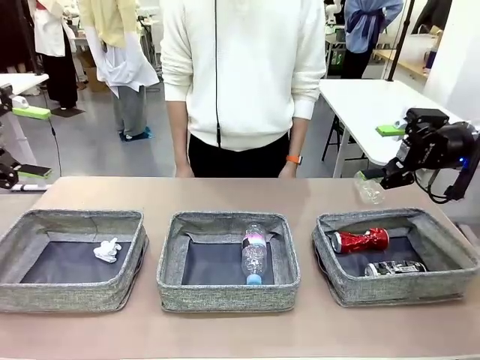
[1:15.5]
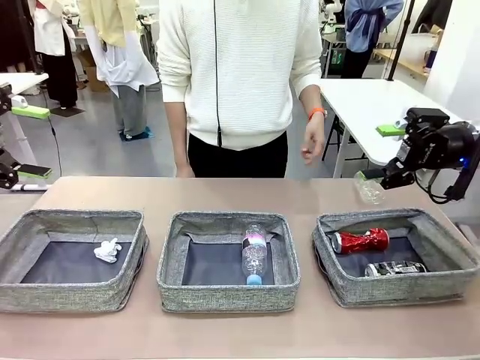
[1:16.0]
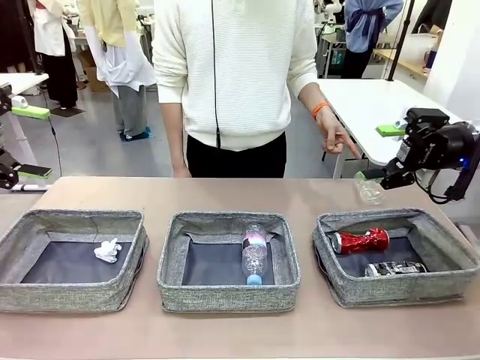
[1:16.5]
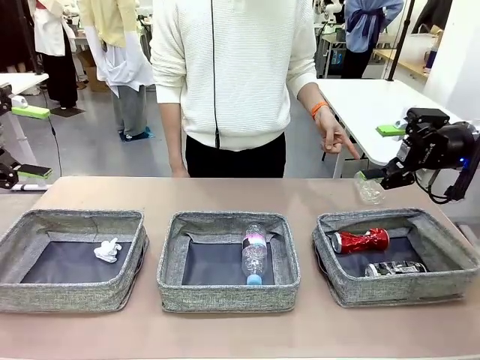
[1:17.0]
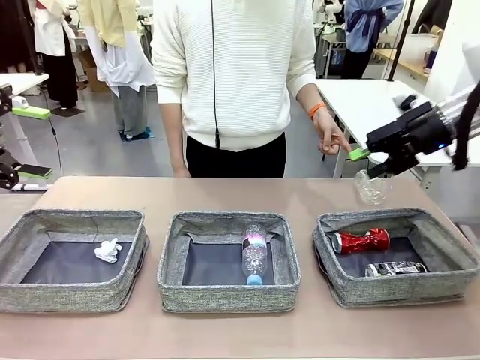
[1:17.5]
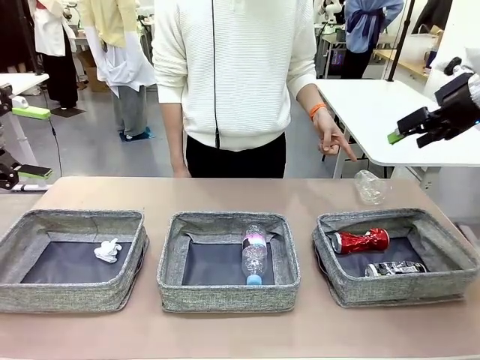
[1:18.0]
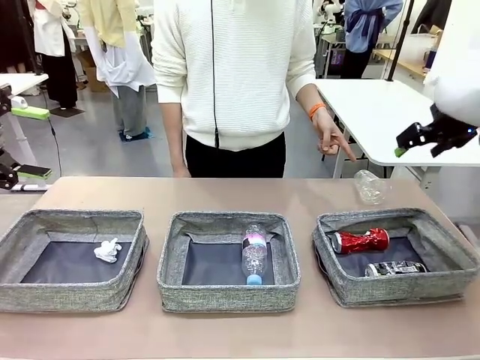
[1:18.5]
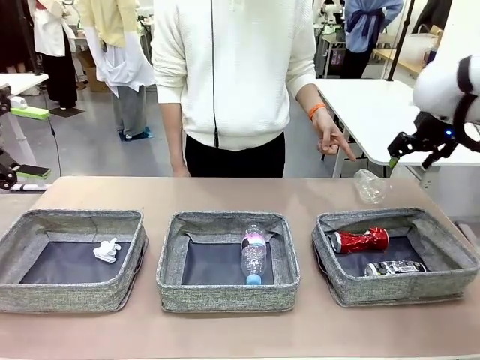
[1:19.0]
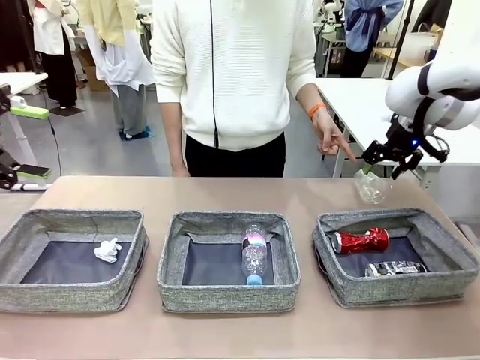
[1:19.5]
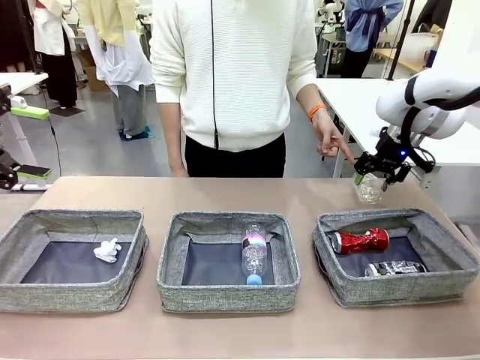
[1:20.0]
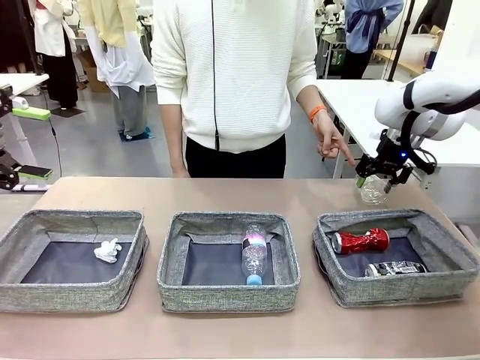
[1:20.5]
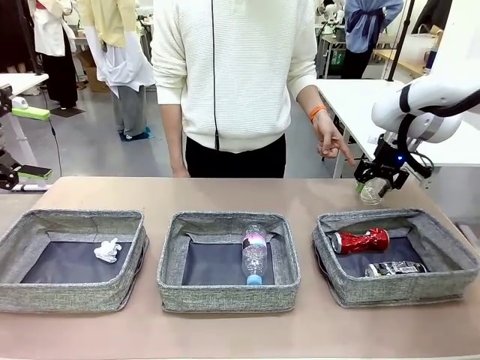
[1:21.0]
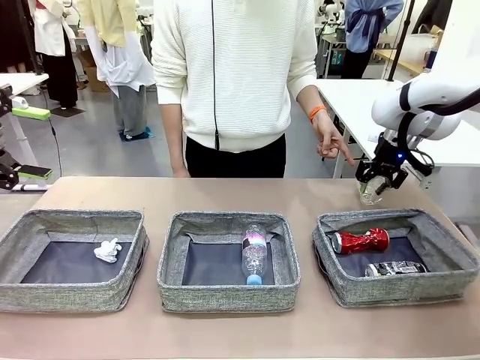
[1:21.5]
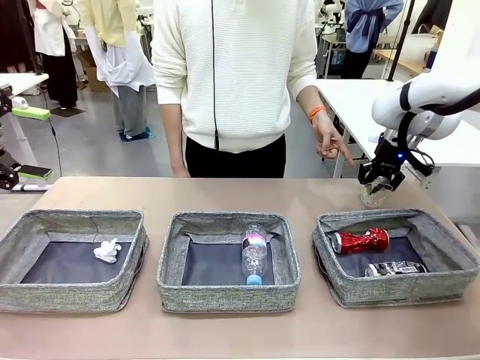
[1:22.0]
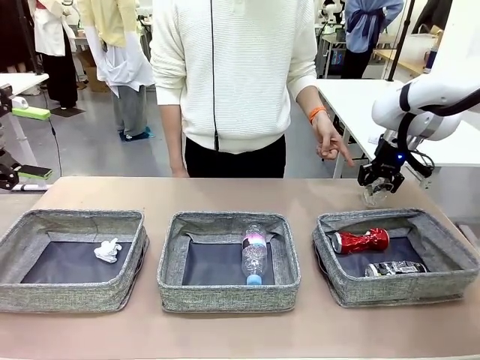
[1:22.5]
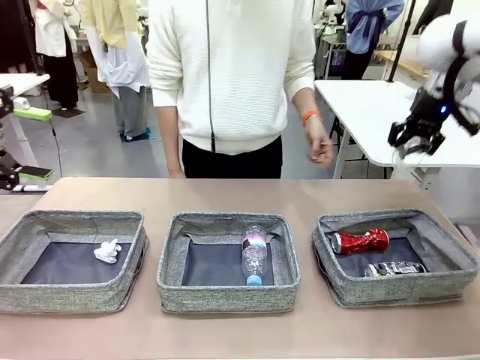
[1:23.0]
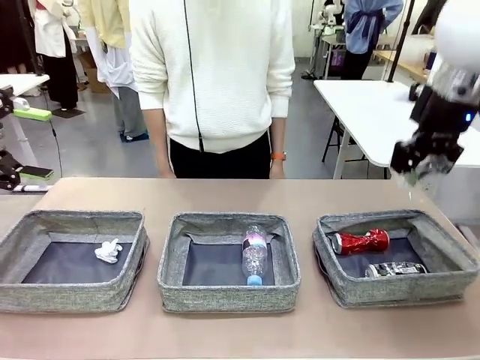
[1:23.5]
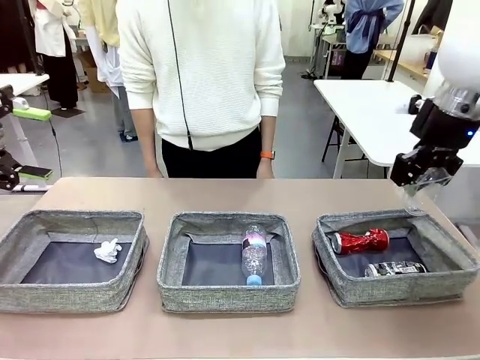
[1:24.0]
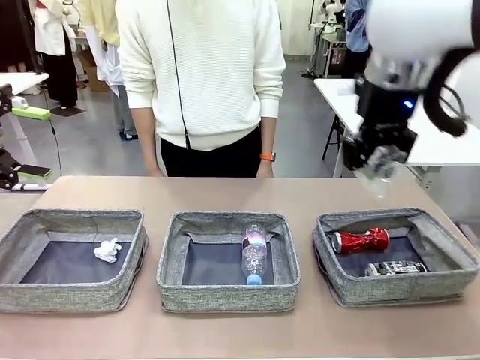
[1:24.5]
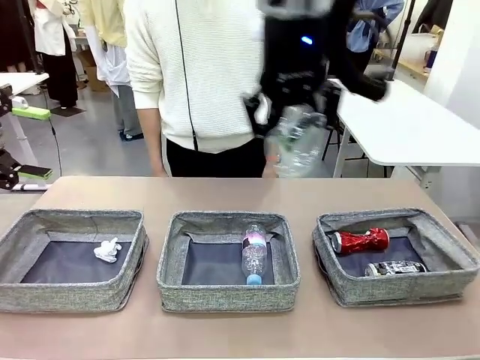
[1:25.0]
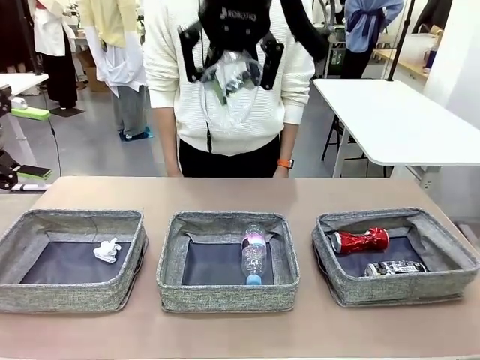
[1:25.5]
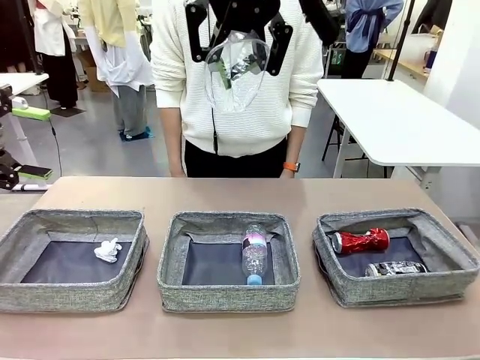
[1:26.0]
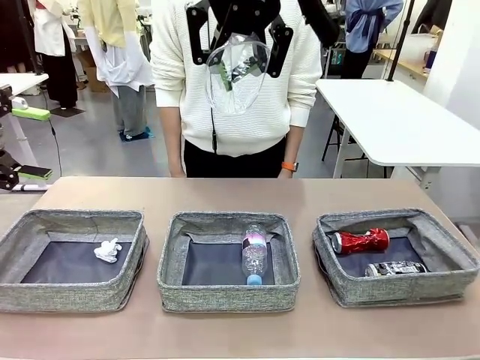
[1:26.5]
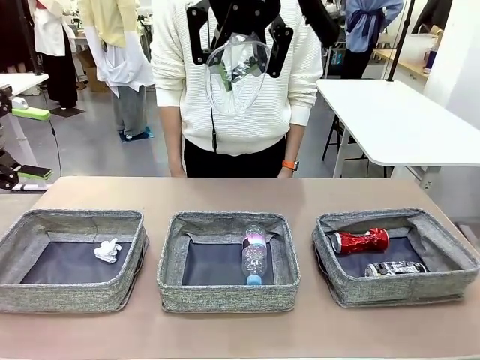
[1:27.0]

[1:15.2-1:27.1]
Task: Sort the waste into the appropriate baskets.
Robot: Pick up the waste item pointed out by the person.
Person: Points to one piece of trash on the table.

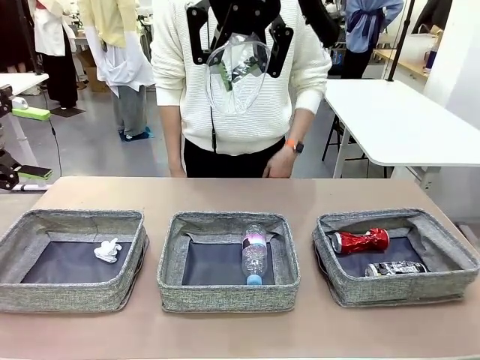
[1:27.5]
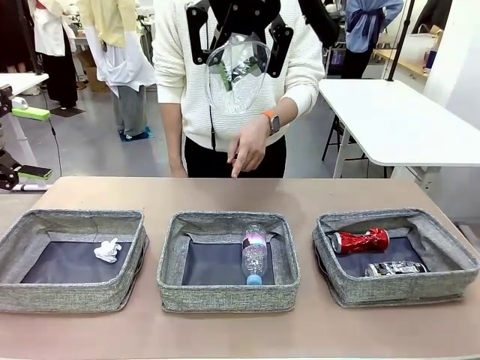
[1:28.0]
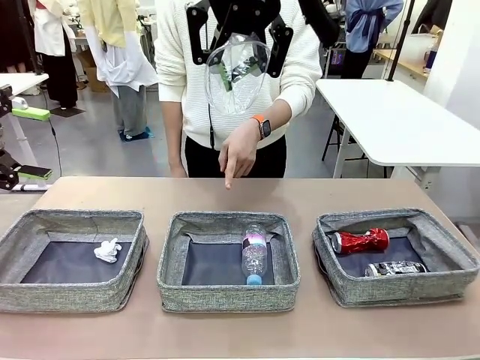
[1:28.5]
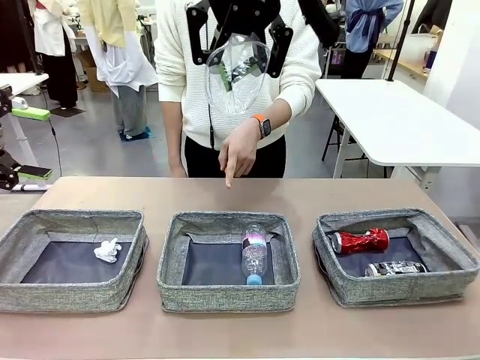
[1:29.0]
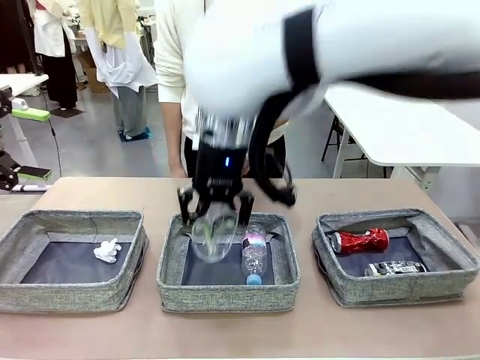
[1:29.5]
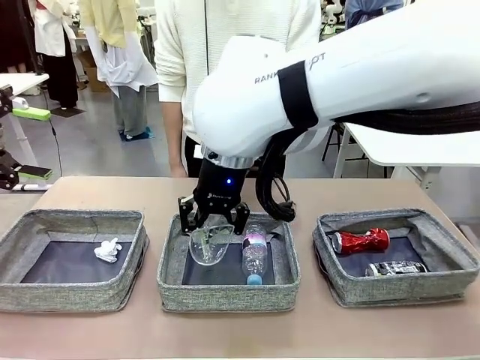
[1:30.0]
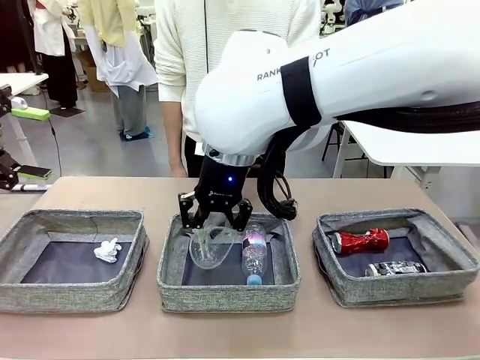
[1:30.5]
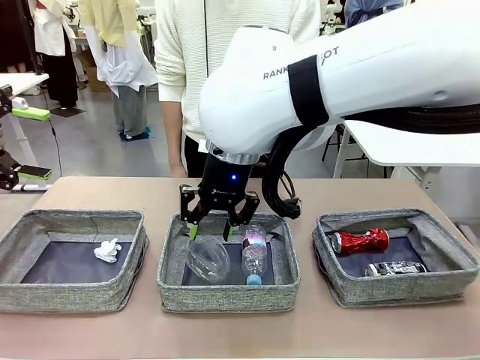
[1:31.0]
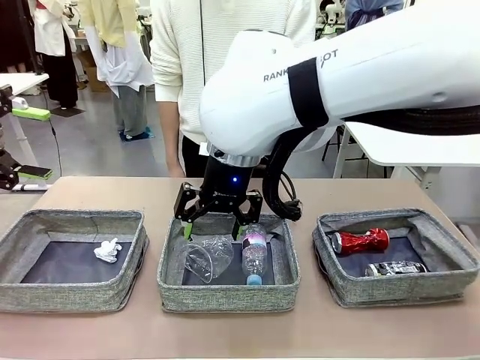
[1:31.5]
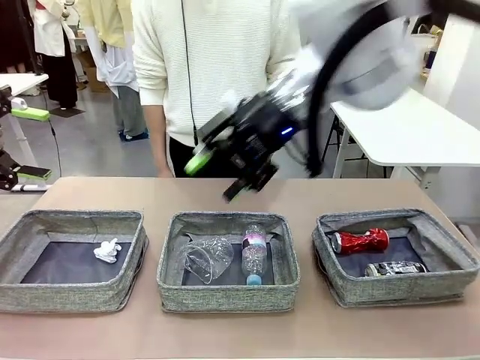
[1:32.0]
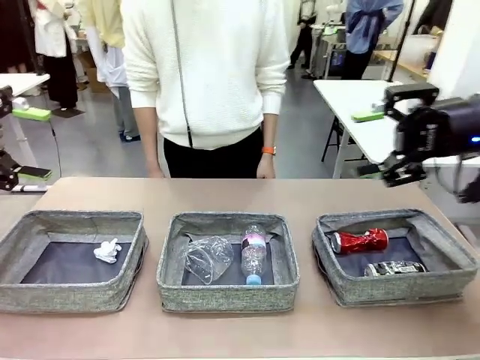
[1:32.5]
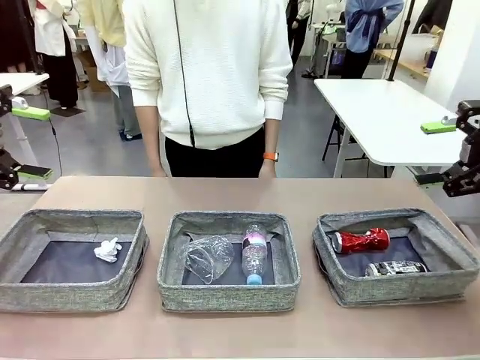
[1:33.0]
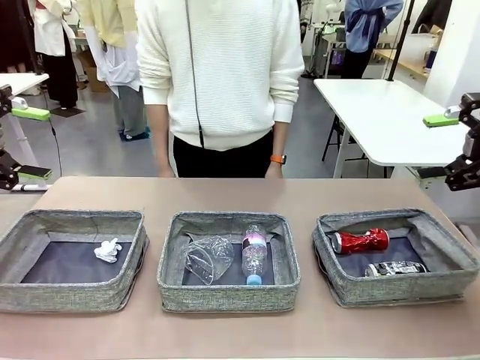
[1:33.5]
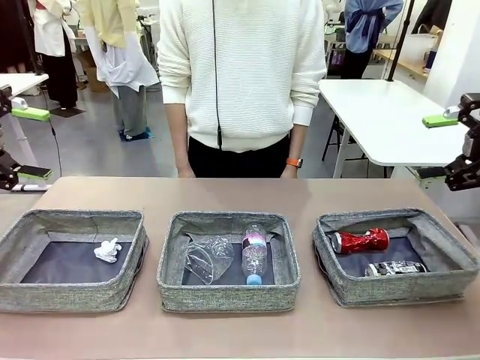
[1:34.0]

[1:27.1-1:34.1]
Robot: Place the picked waste into the Fabric basket indicated by the person.
Person: Instructs the robot to place the picked-up trash into the appropriate organizing basket.

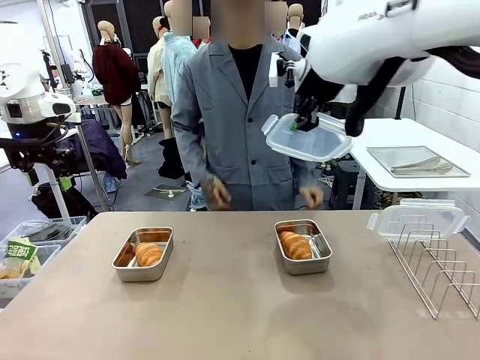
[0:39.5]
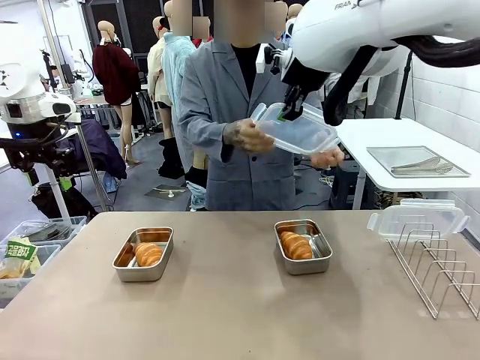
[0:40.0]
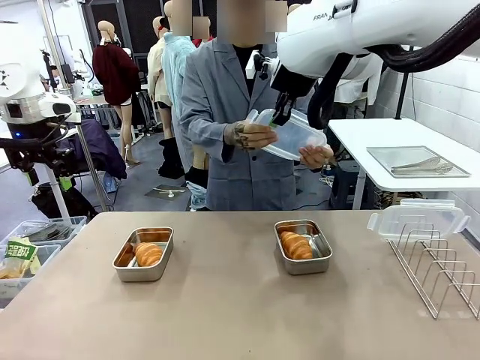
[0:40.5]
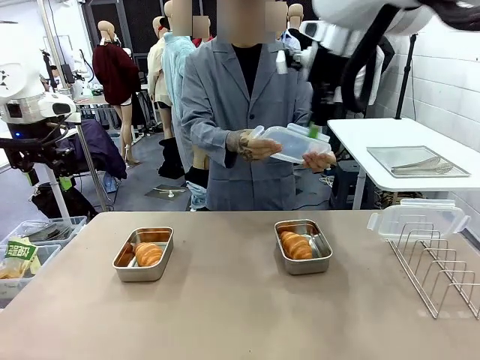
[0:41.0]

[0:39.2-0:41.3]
Task: Place the bread in airtight containers.
Robot: Release when the human grabs the Airtight Container lid.

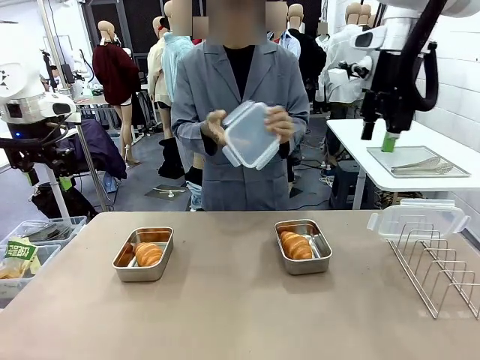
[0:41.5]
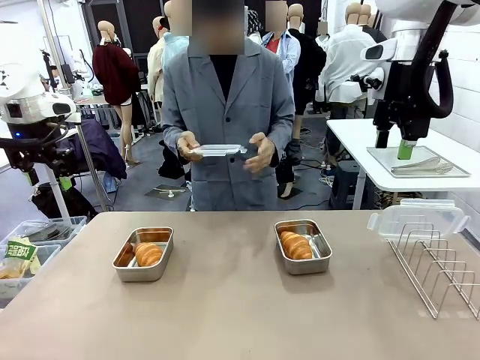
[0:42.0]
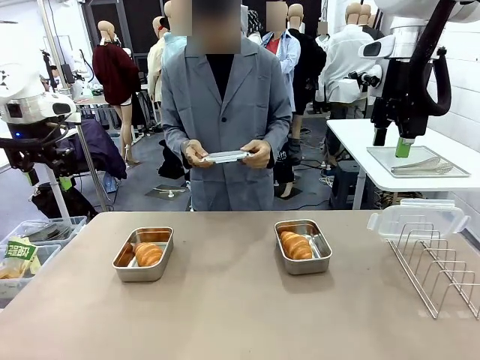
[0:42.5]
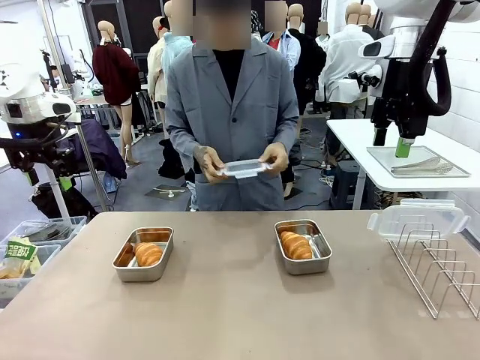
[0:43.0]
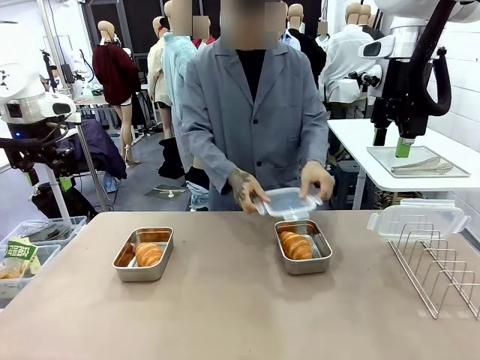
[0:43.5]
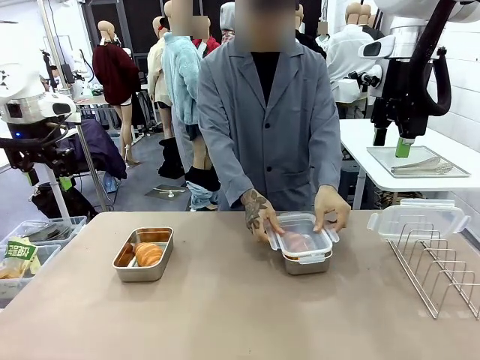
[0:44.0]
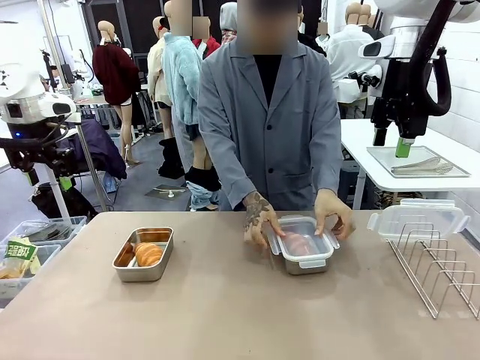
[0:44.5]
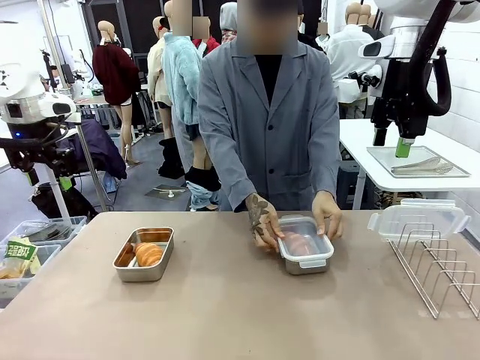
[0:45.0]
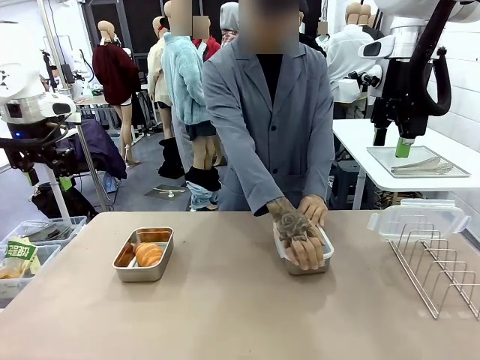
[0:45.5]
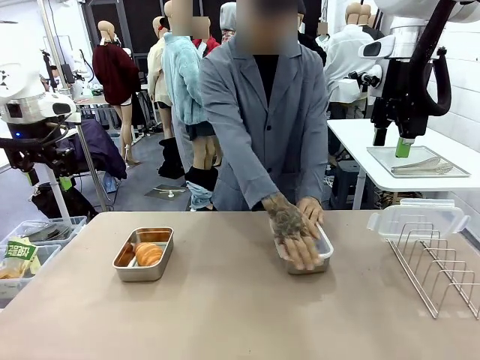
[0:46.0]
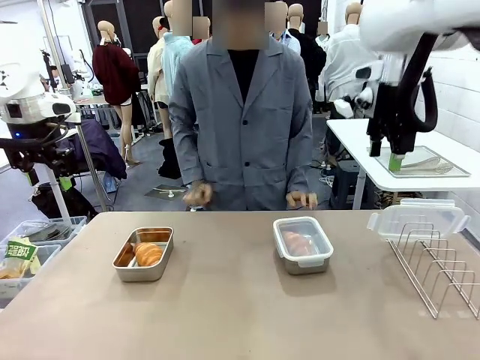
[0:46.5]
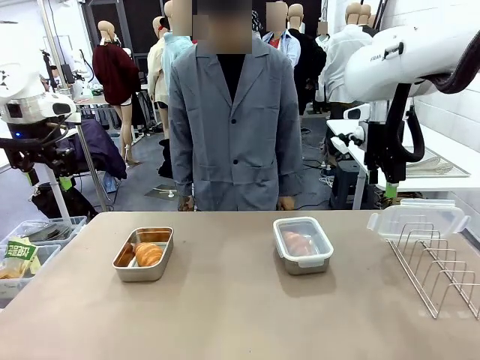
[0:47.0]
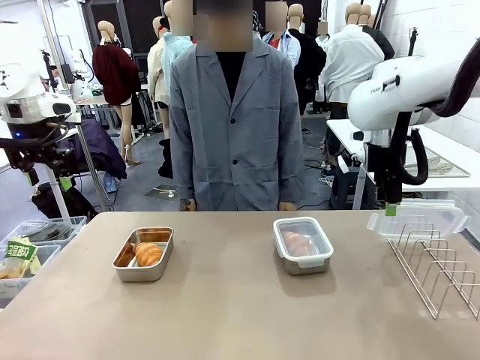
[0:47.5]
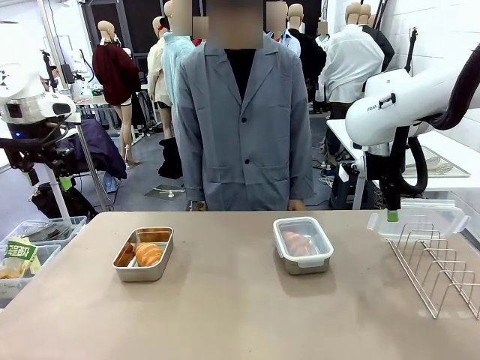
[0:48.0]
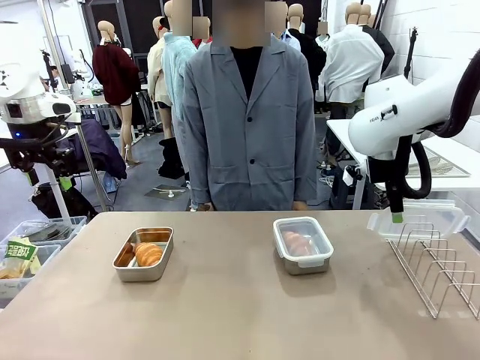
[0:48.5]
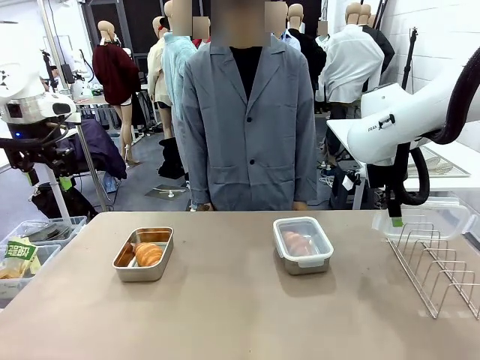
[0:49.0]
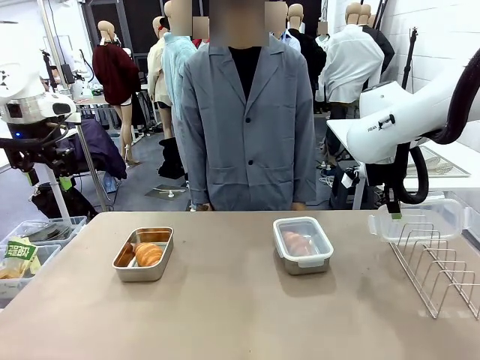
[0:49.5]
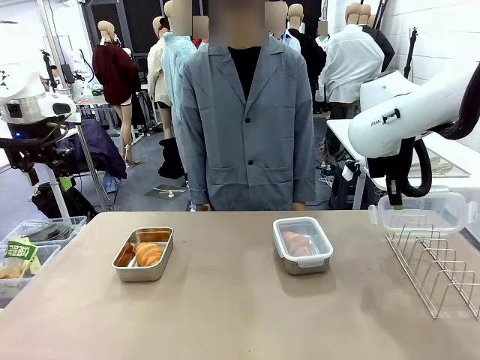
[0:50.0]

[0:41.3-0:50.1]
Robot: Pick up one Airtight Container lid and hand it to the human.
Person: Close Airtight Container with a handed Airtight Container lid.
